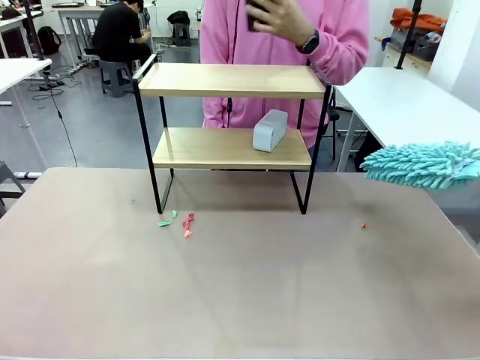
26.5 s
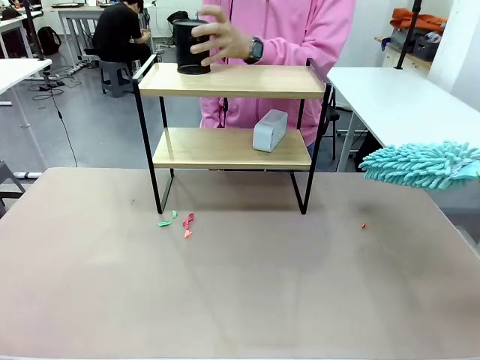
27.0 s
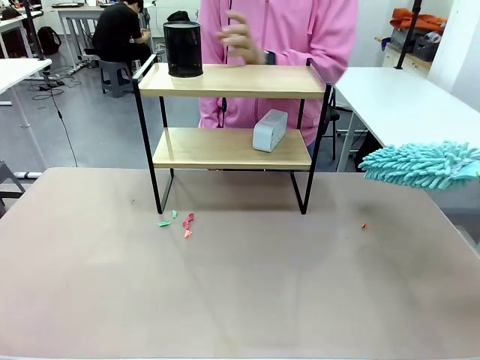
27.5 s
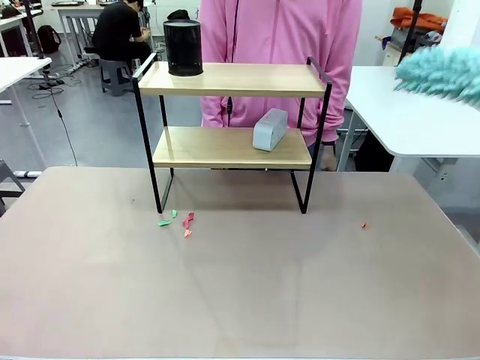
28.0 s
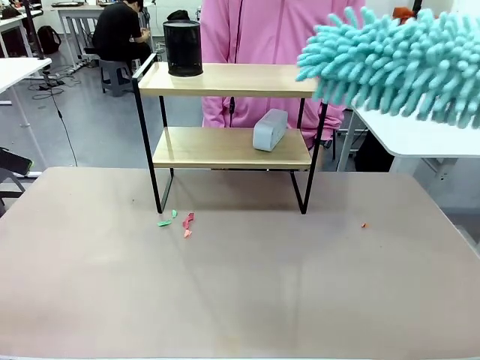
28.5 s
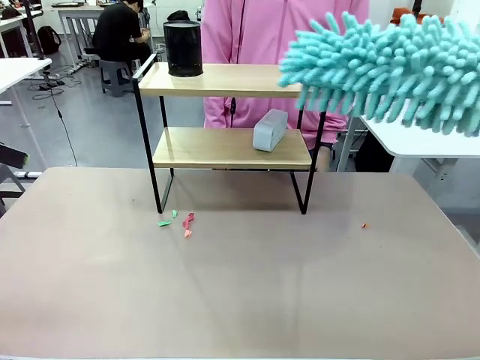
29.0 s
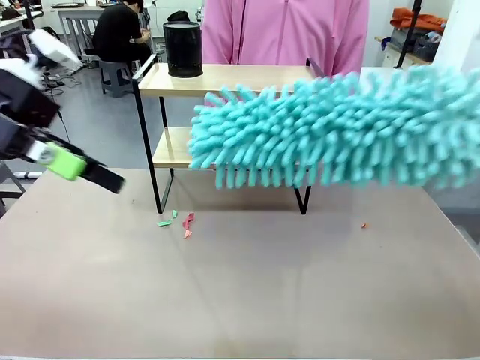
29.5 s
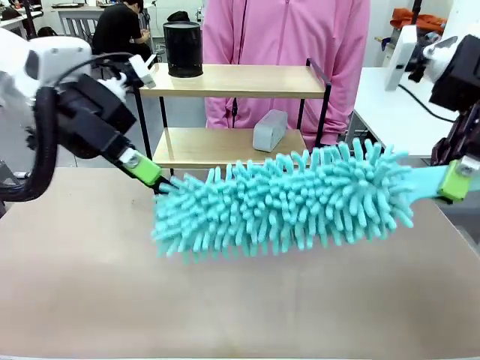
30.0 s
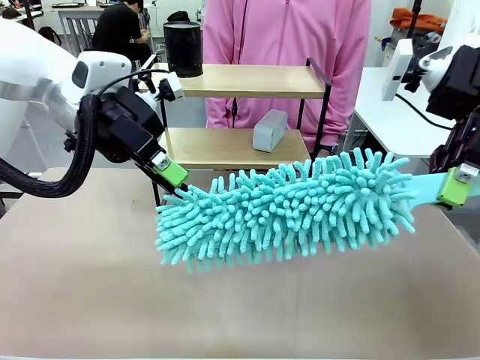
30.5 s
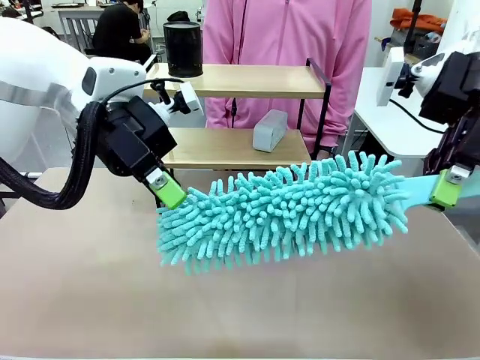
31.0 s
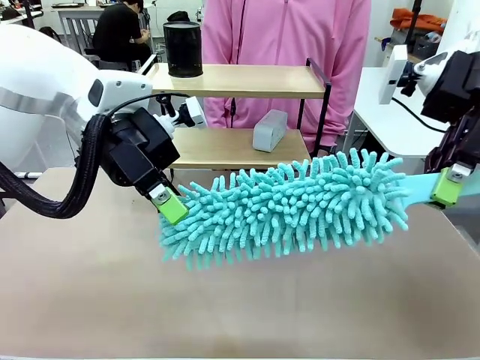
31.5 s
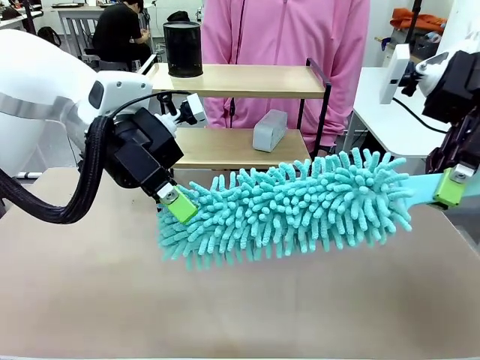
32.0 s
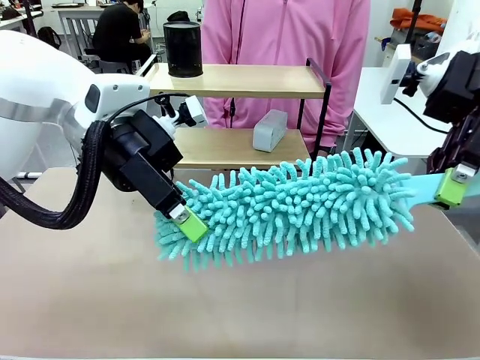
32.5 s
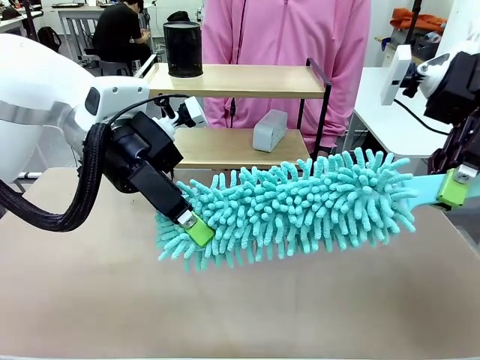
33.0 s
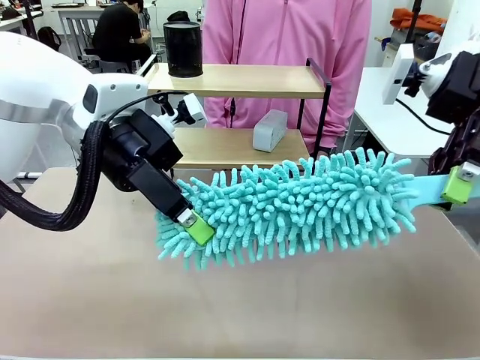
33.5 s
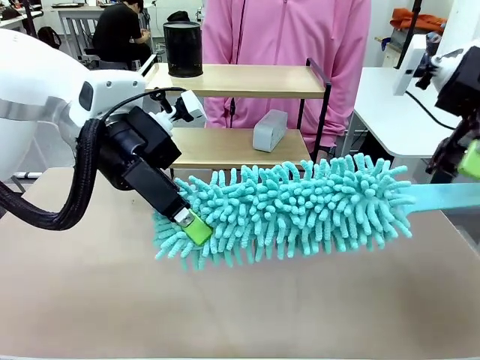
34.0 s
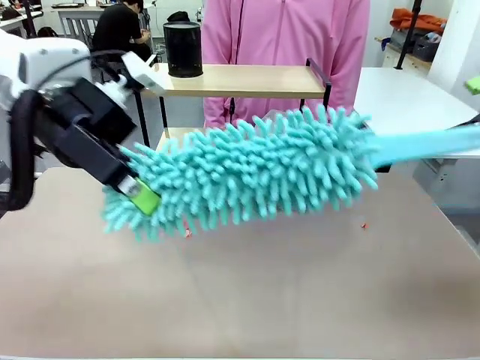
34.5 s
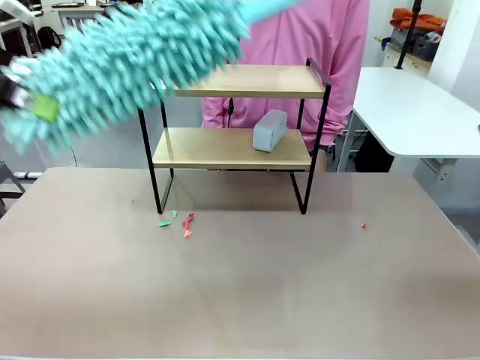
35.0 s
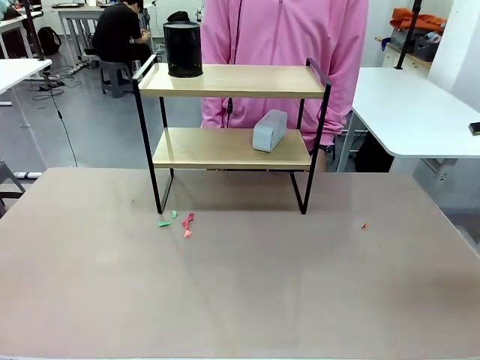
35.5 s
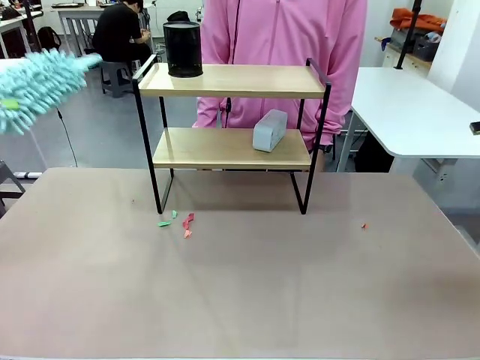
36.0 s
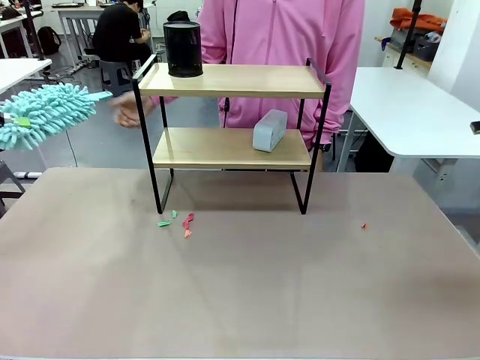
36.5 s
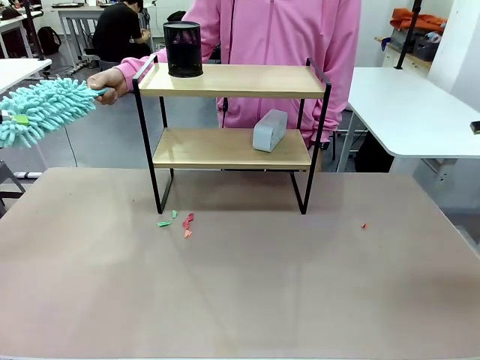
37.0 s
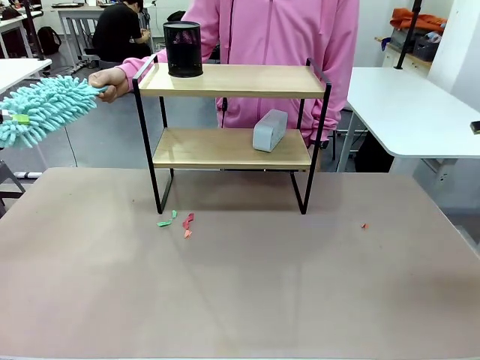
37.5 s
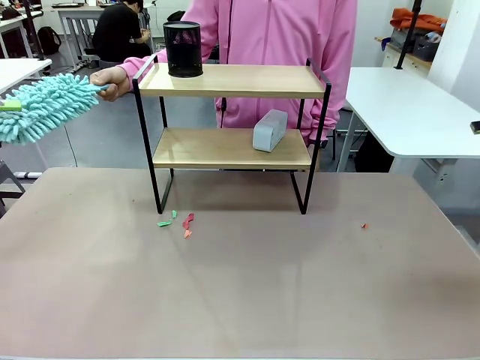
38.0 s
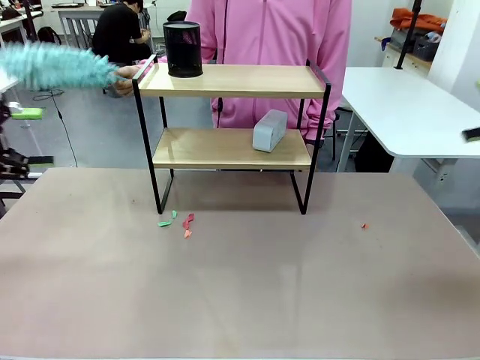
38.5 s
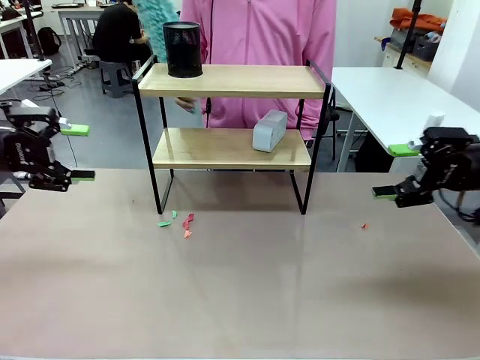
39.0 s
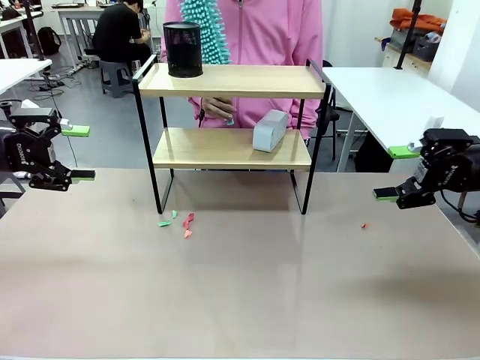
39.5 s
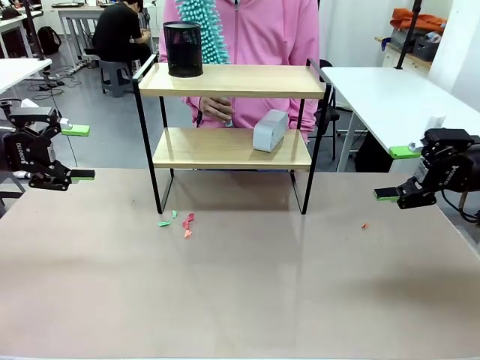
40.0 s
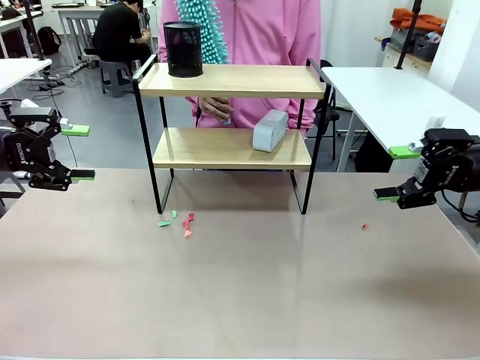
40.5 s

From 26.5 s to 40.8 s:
Task: Clean the shelf.
Robot: Hand the Duster back to the human.
Person: Receive the Duster from the robot.

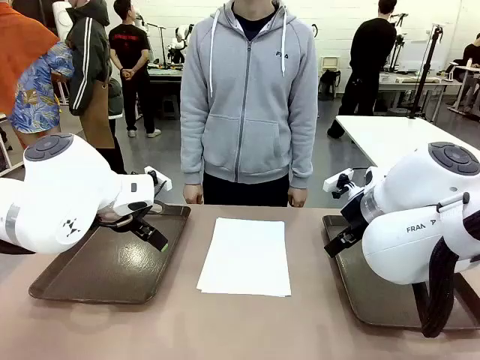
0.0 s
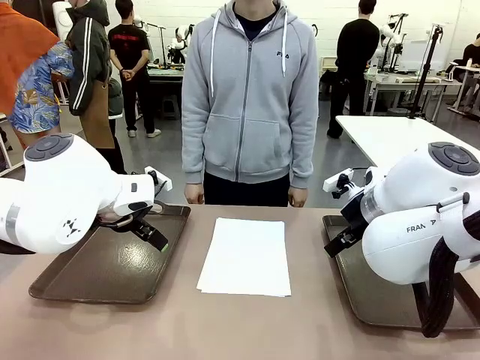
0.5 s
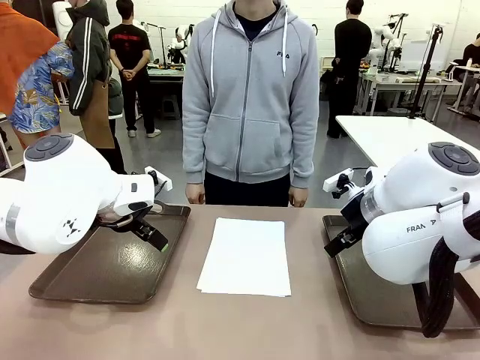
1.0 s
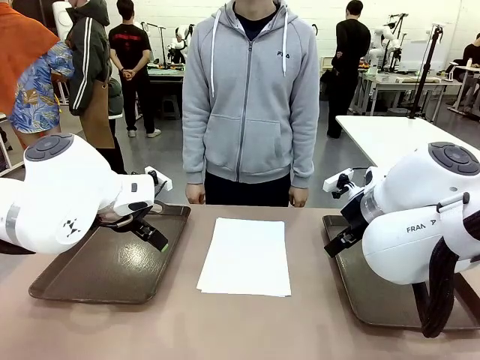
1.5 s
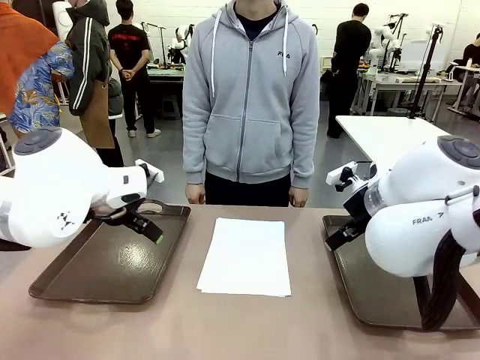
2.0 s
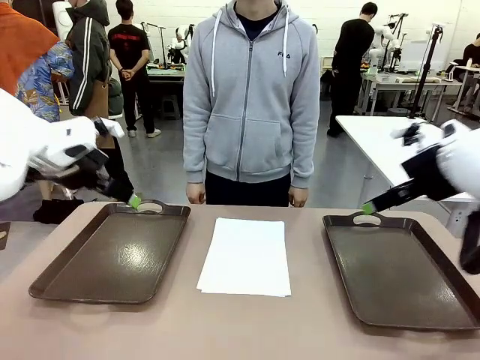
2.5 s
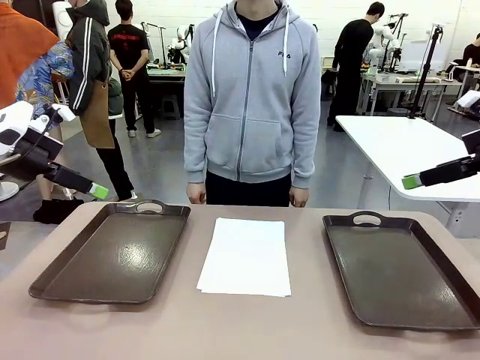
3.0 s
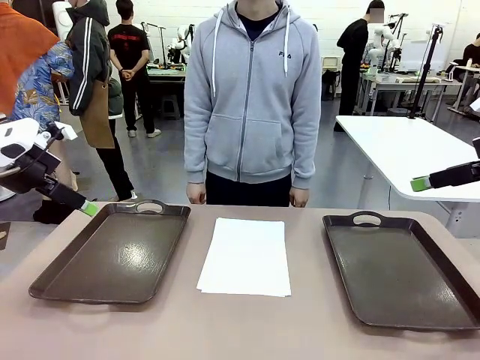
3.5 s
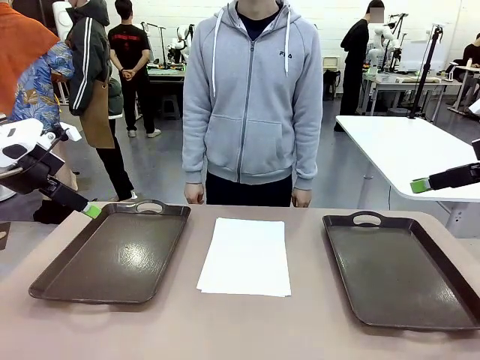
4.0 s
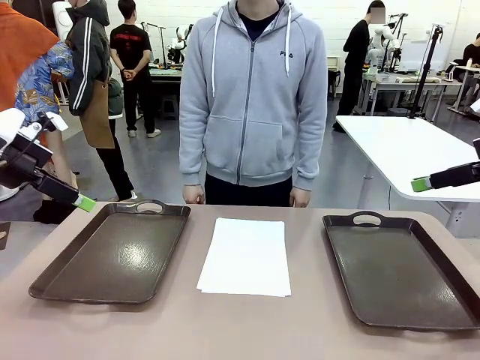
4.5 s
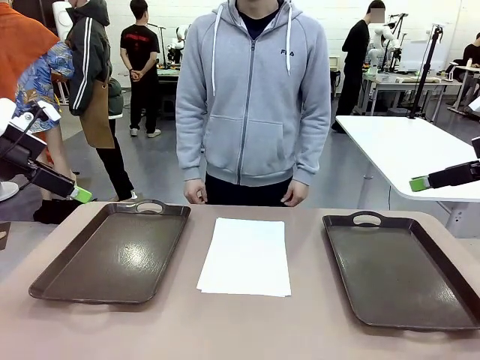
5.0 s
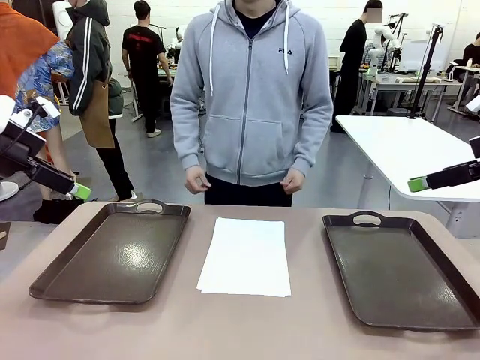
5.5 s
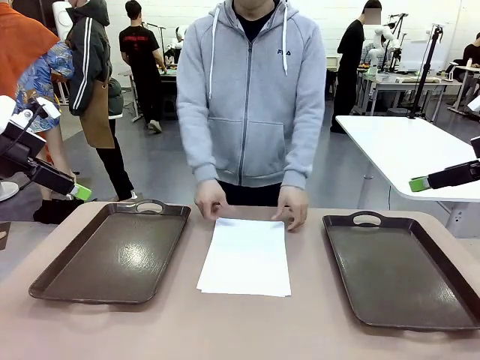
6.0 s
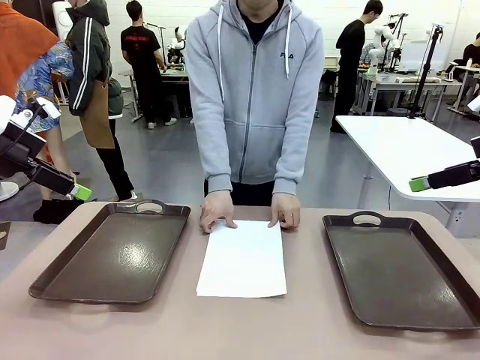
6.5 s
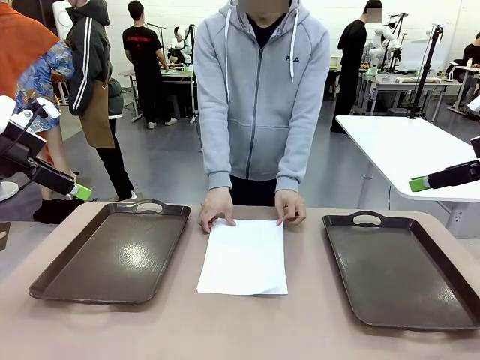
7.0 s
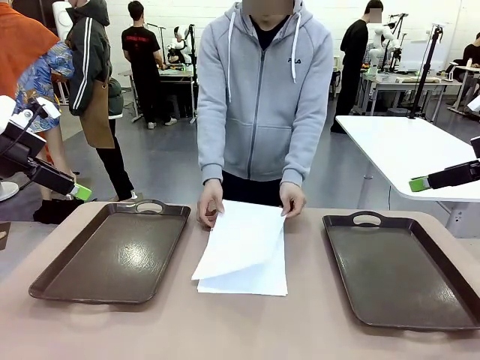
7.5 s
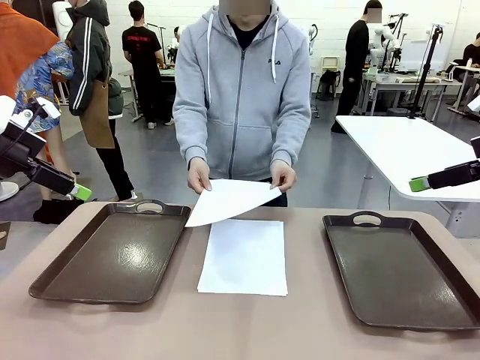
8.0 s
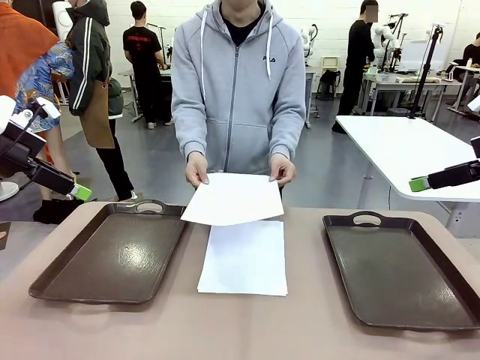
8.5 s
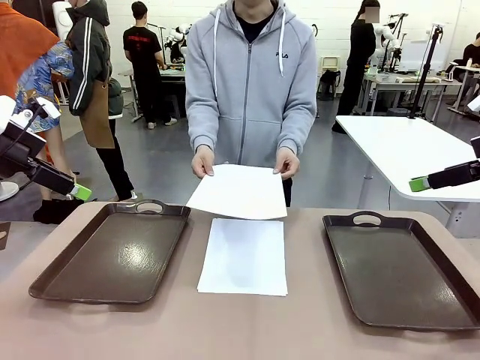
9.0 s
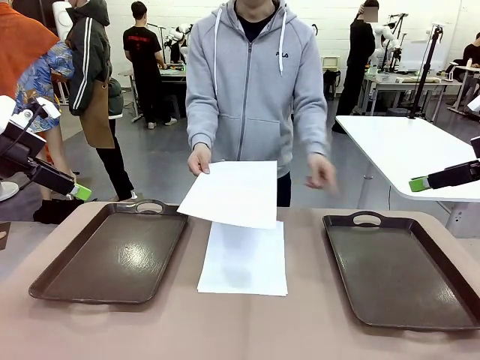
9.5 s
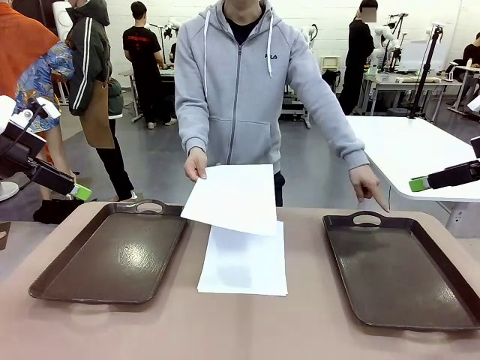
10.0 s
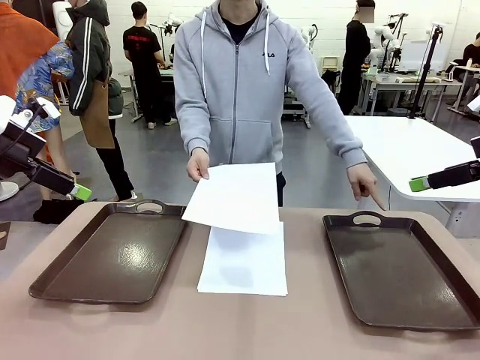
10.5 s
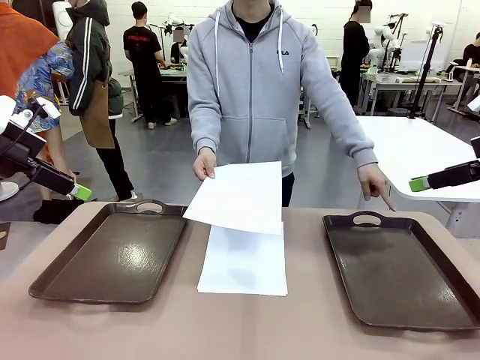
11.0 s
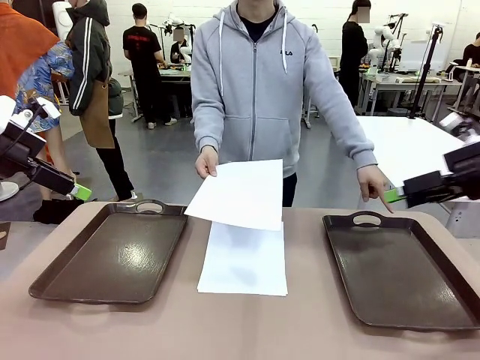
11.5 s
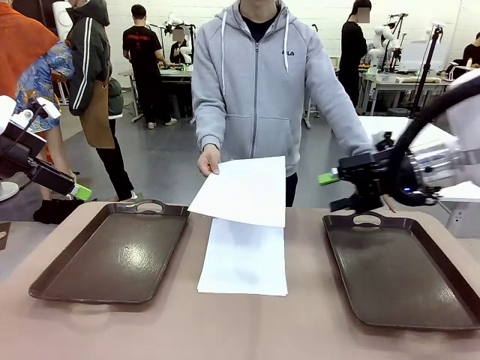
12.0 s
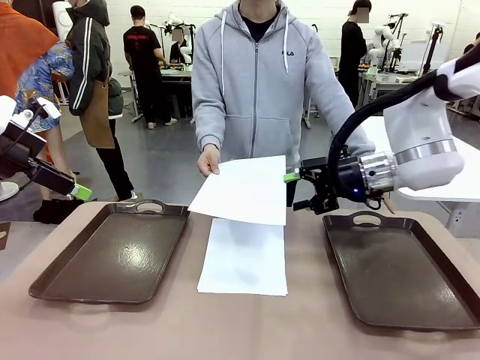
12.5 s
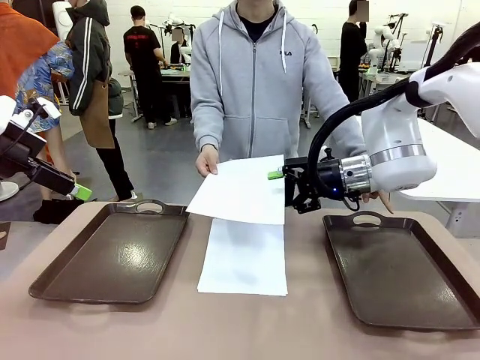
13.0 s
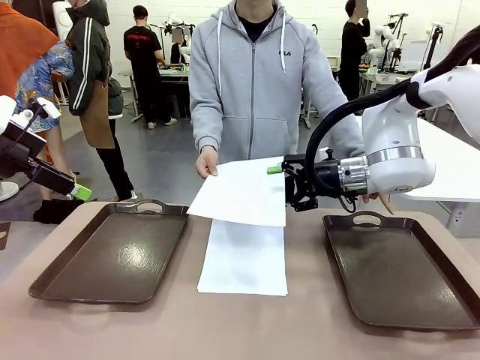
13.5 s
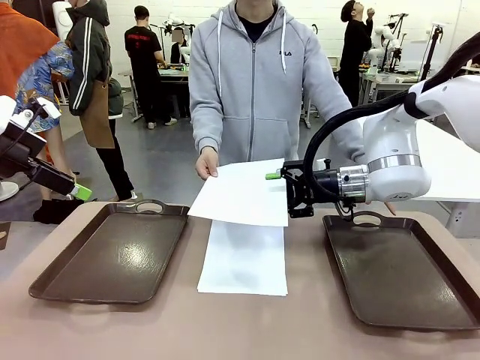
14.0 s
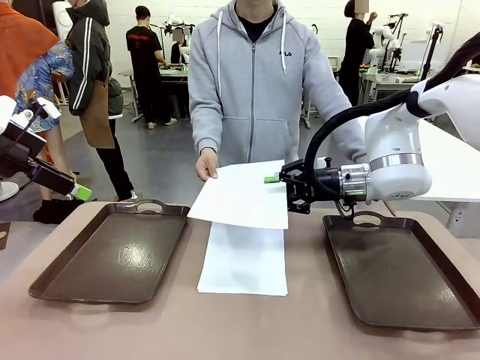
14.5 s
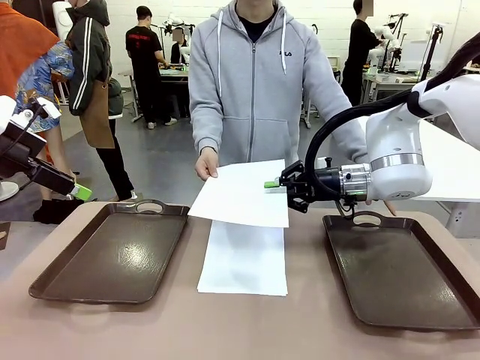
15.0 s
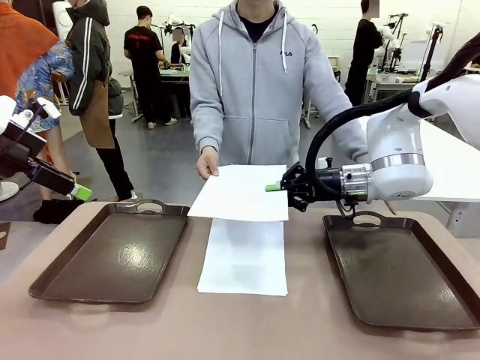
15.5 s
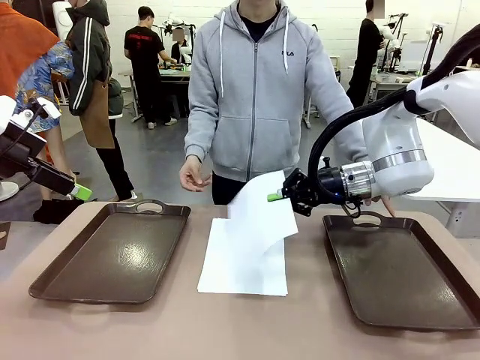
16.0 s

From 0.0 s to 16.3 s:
Task: Sort the A4 documents.
Robot: Receive the A4 Paper.
Person: Pick up a sheet of paper from the center of the table and hand it to the robot. Point the randomly selected tray with the other hand.
